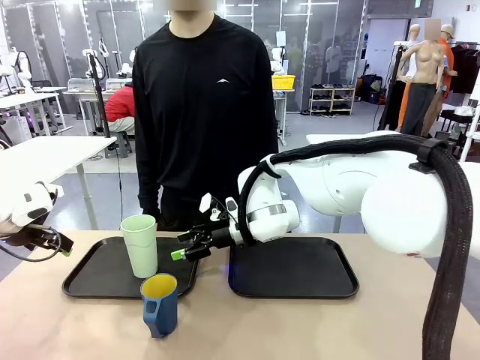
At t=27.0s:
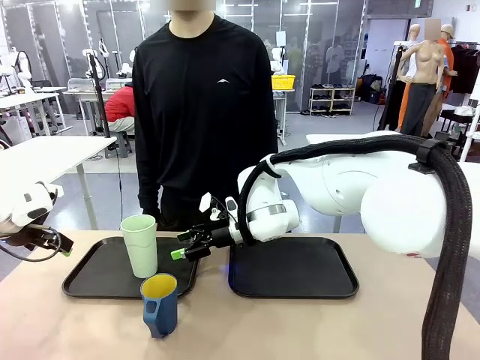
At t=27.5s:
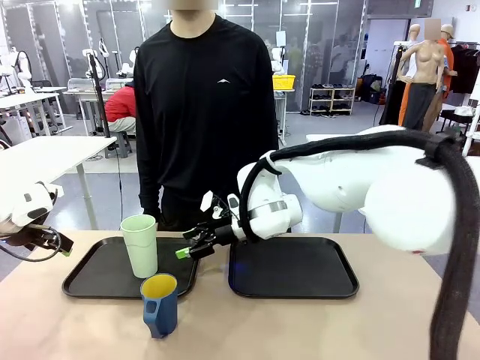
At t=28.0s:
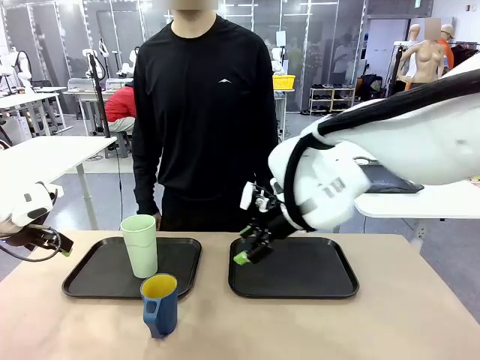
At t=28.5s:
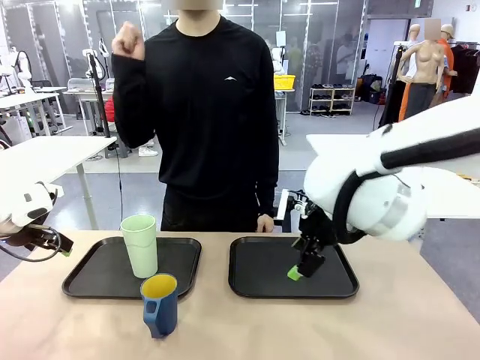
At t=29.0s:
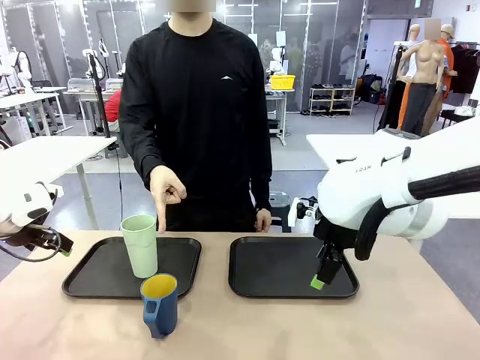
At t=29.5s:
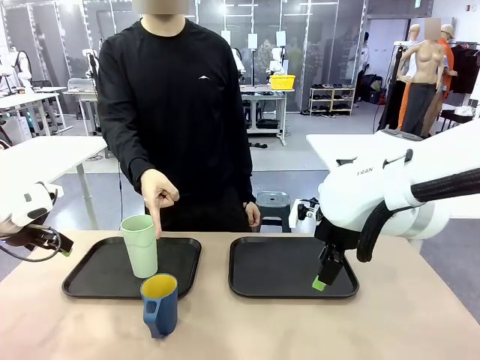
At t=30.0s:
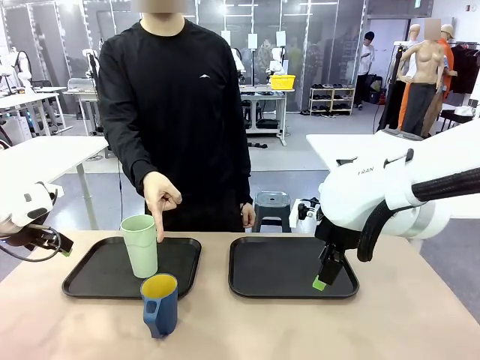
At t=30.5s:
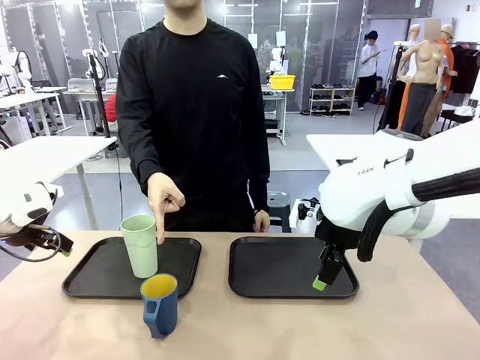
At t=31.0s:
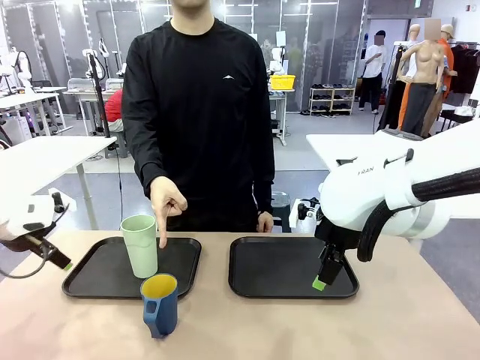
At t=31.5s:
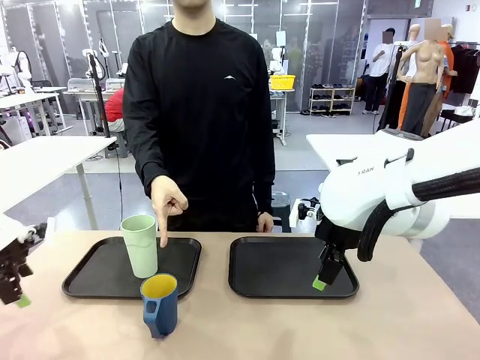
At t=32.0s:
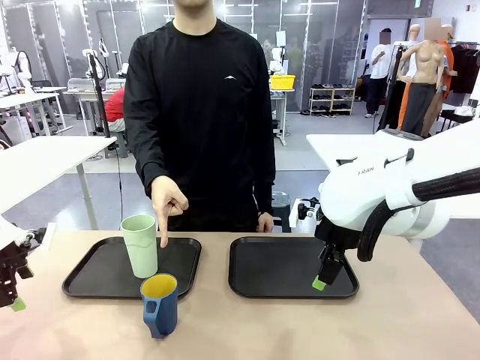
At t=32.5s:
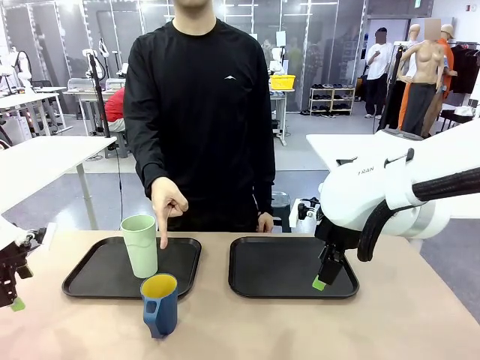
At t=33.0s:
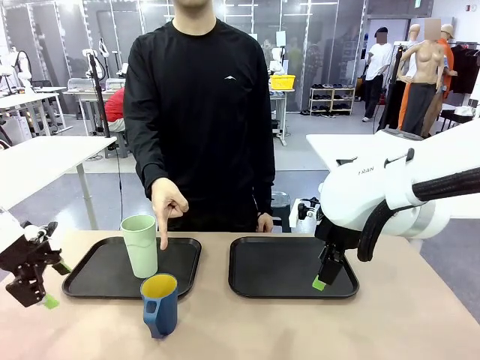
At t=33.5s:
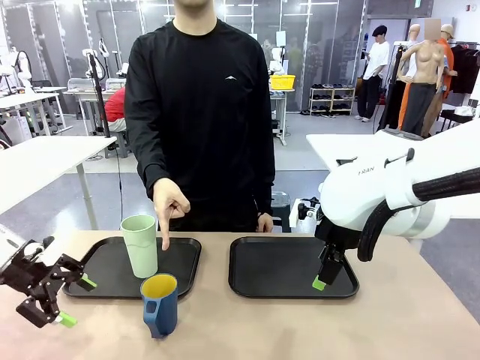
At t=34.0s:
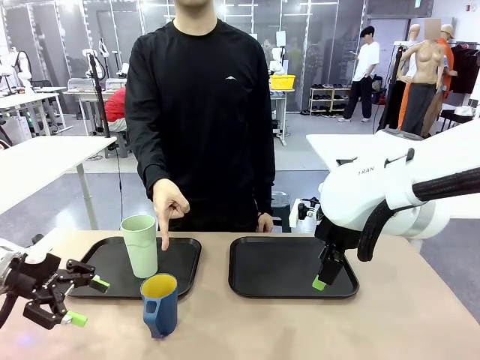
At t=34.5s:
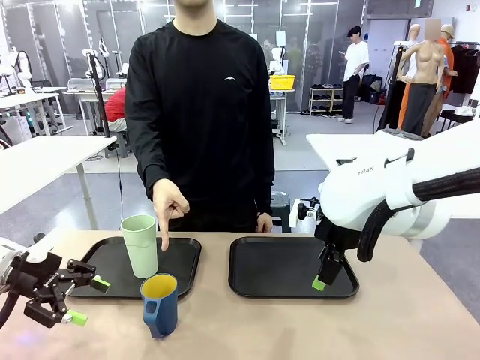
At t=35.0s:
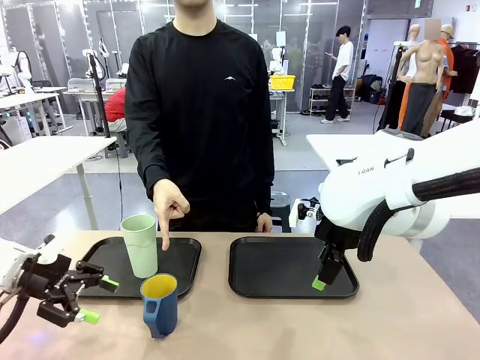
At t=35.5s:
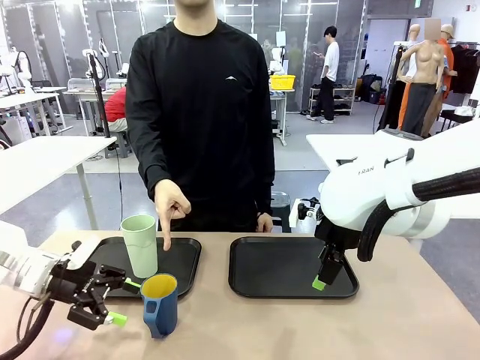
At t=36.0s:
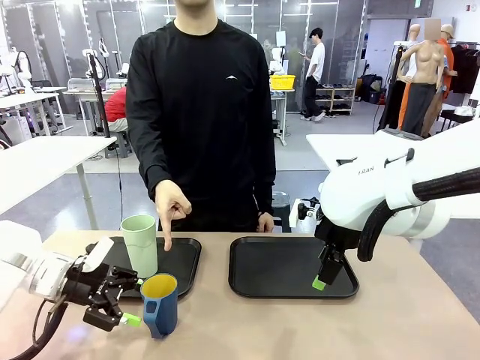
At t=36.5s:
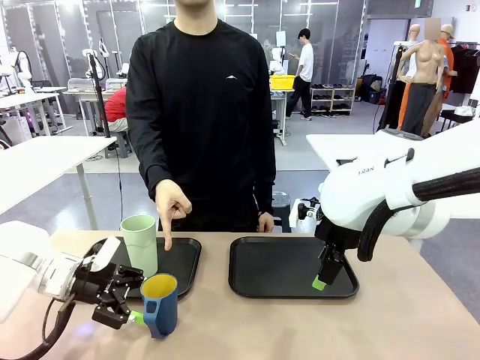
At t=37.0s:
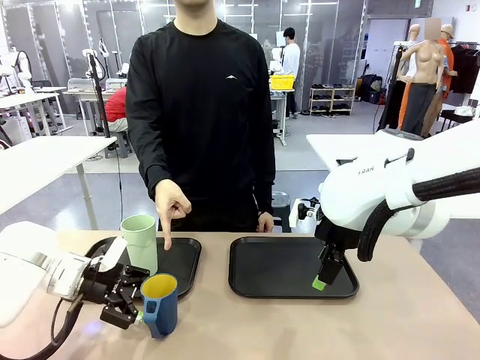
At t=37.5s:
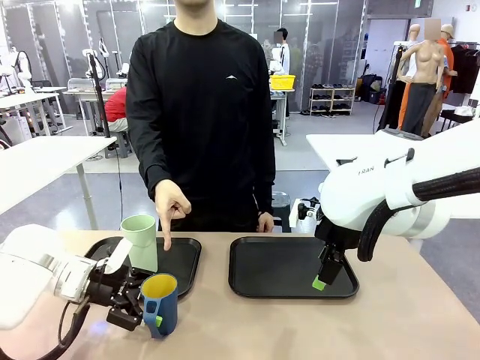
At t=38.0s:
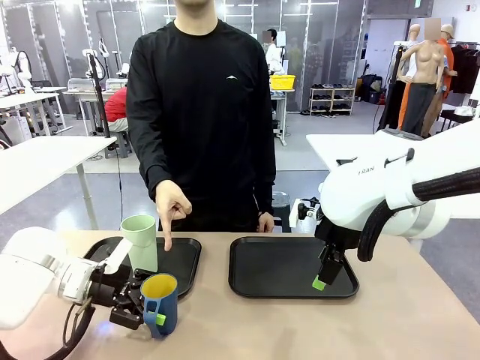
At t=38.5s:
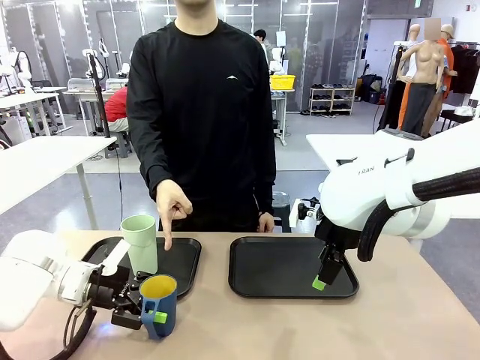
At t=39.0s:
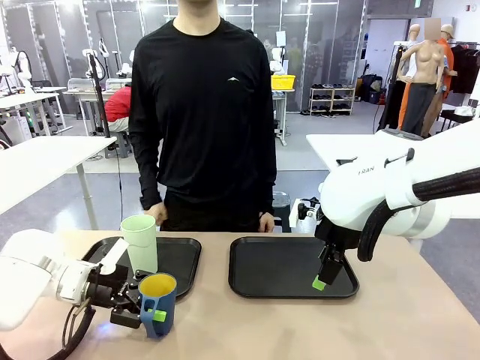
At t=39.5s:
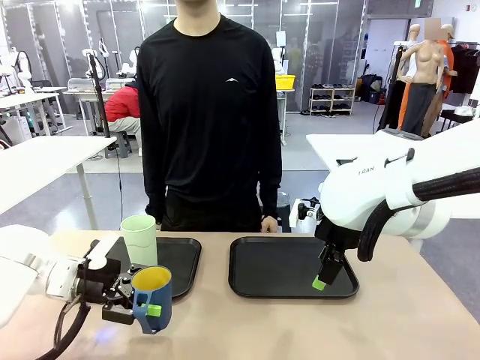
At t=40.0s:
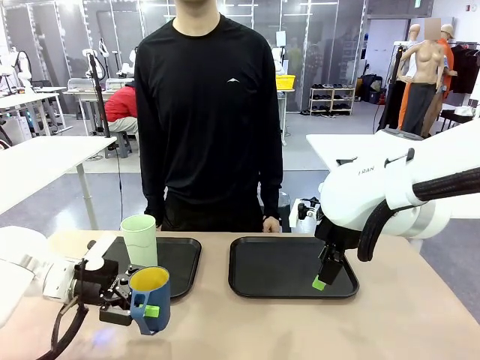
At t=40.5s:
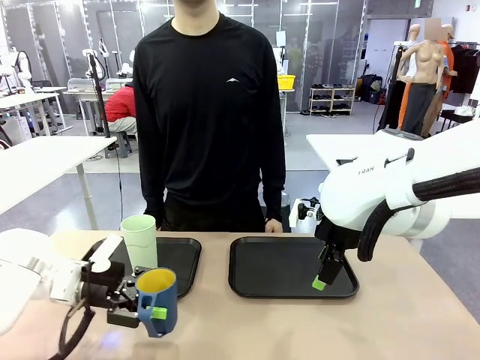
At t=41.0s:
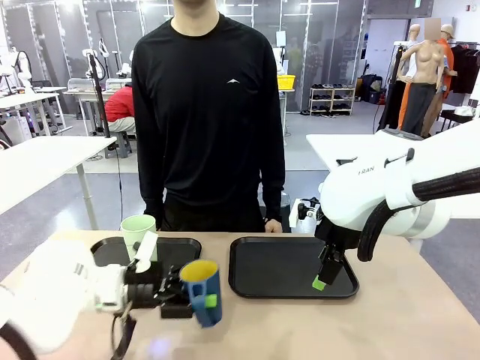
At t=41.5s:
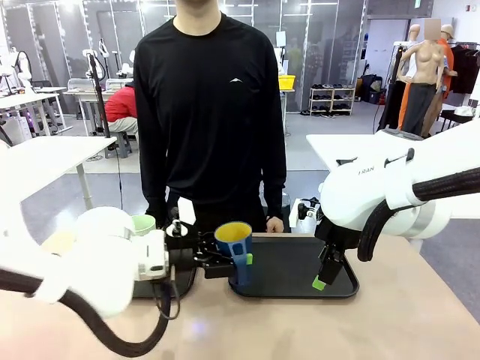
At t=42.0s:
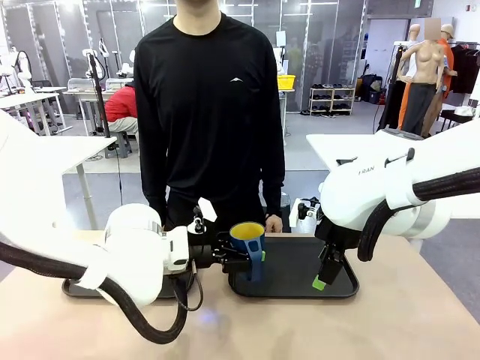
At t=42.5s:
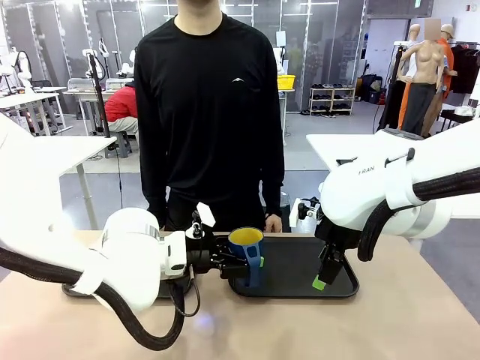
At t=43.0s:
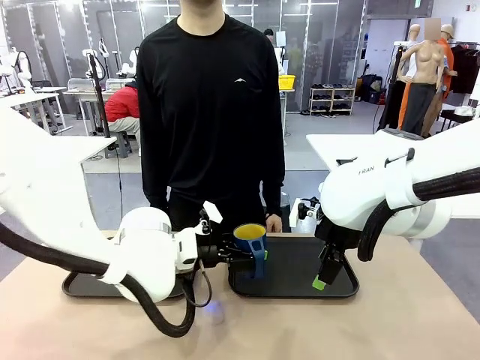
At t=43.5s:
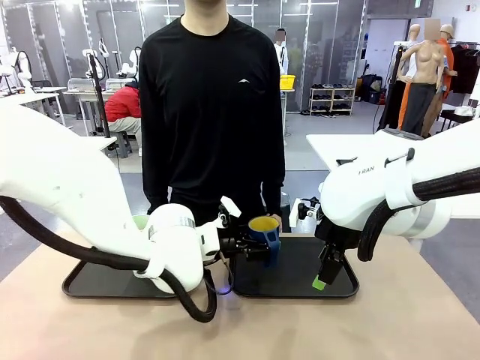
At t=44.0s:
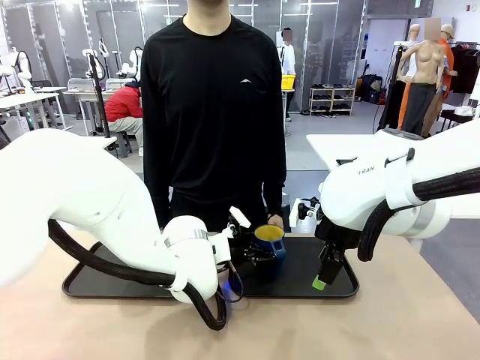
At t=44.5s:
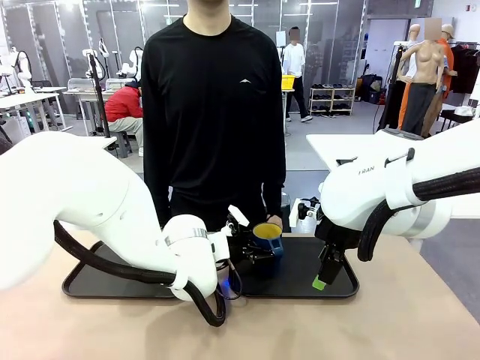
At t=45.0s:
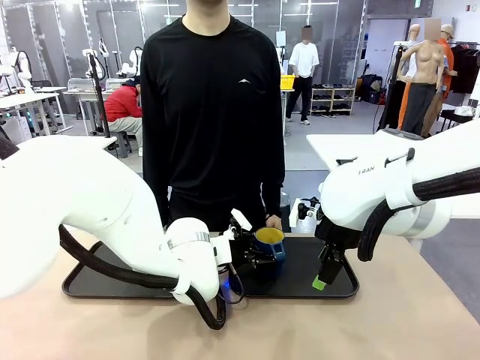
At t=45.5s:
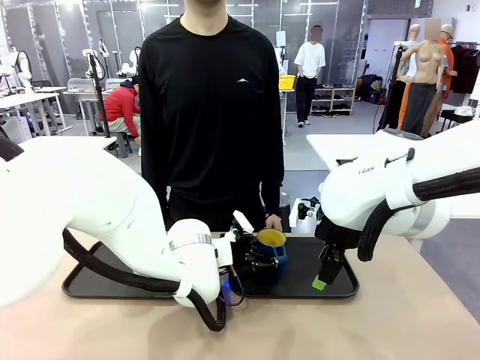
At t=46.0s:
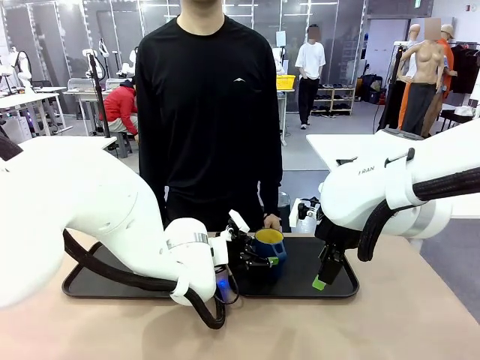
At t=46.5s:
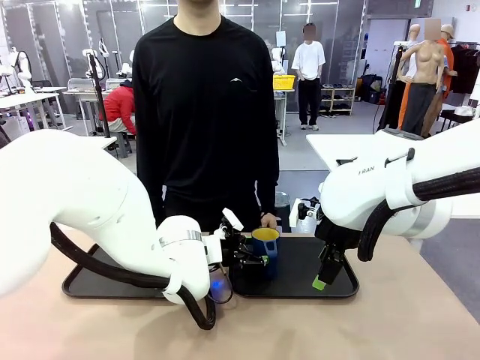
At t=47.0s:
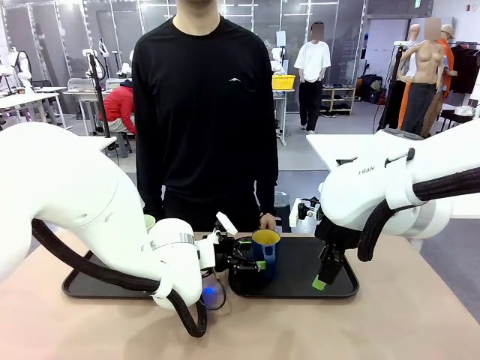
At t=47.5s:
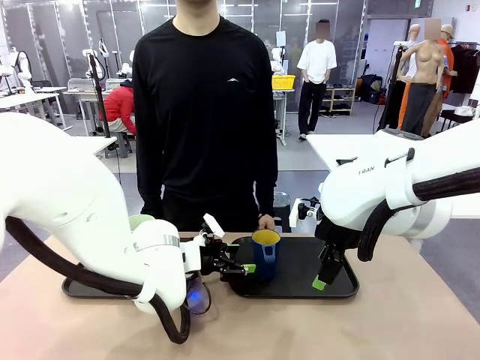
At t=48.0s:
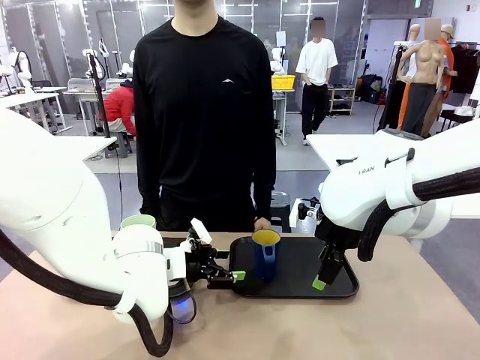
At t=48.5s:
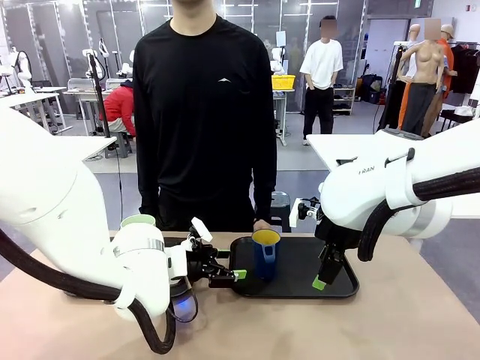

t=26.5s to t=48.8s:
Task: Sort and store the cups by type.
Robot: Pick up the Handle plastic cup and place it into the empty Flat Tray.
Person: Points to the cup with a handle.
